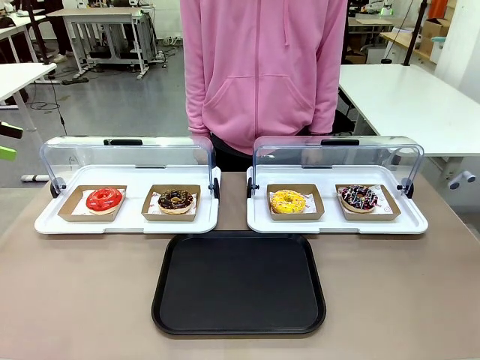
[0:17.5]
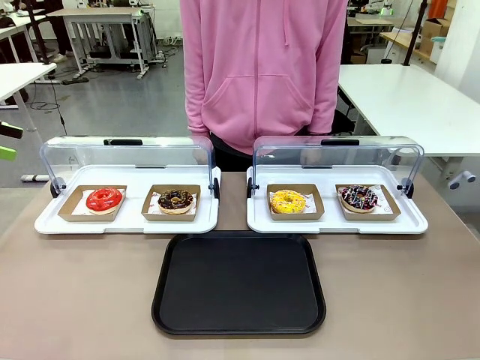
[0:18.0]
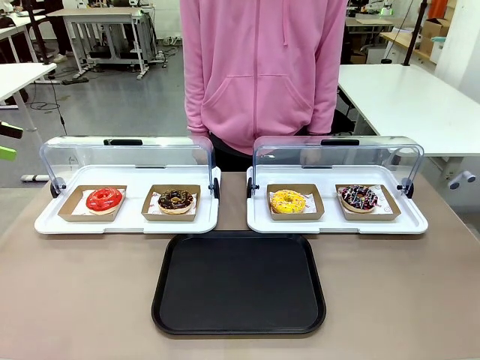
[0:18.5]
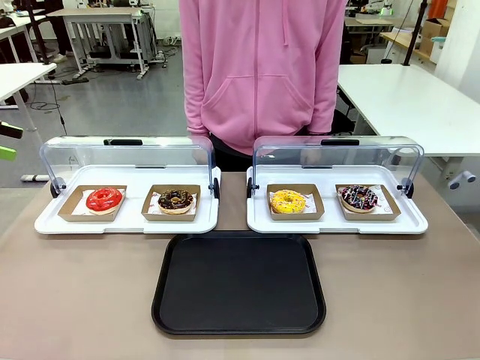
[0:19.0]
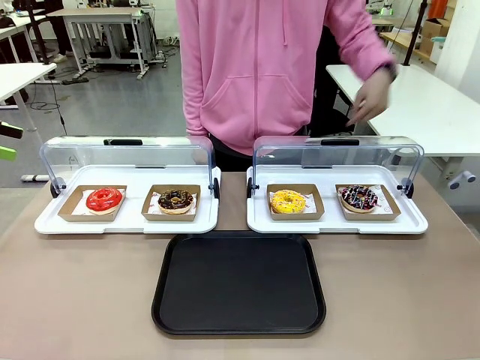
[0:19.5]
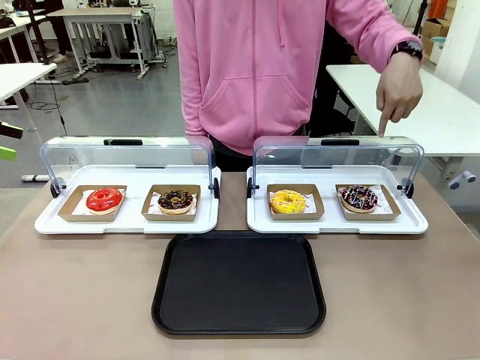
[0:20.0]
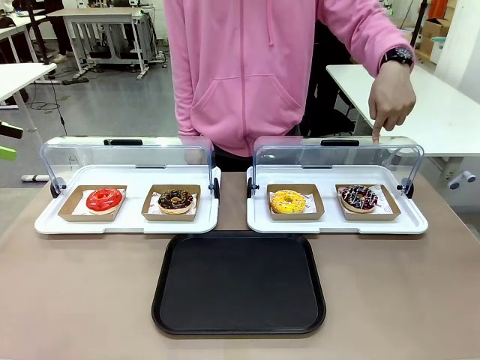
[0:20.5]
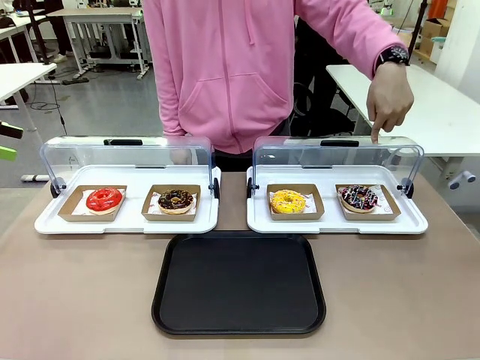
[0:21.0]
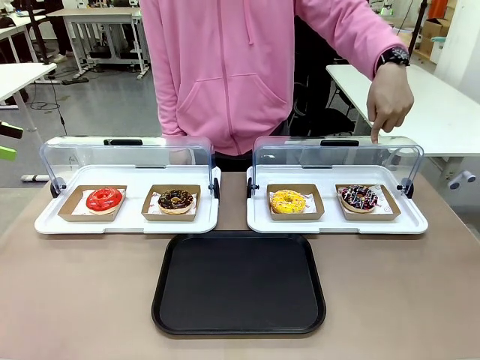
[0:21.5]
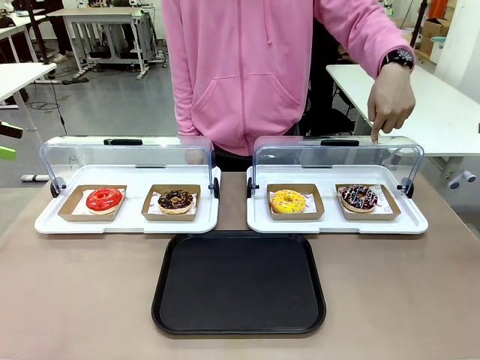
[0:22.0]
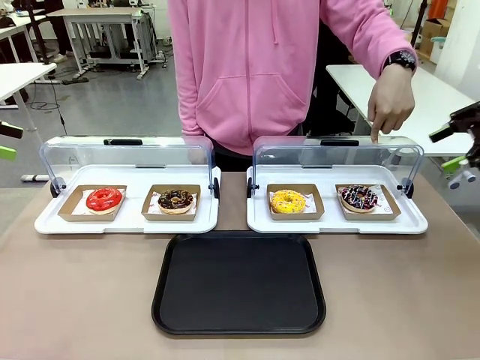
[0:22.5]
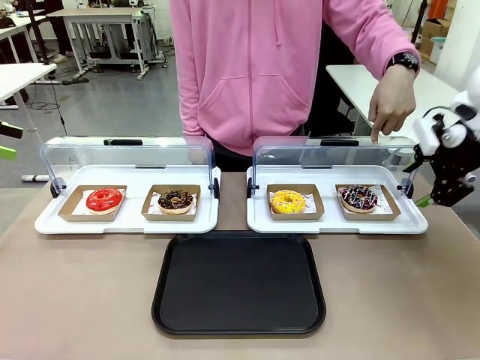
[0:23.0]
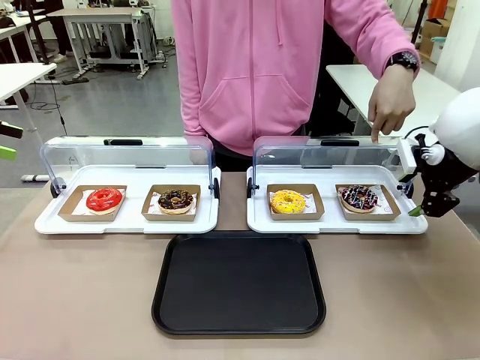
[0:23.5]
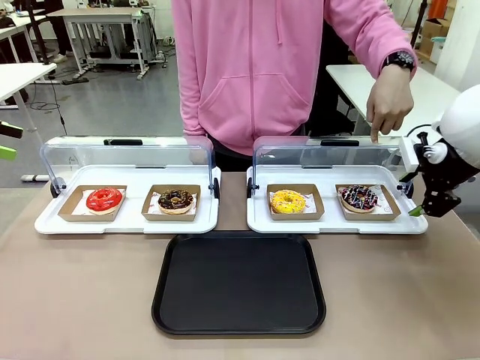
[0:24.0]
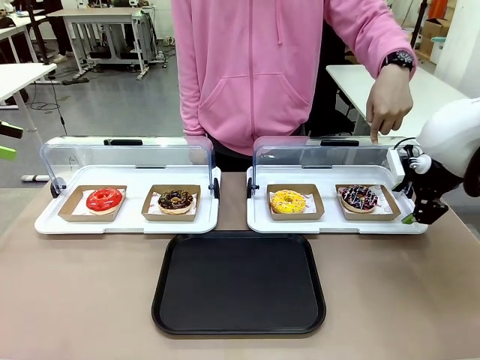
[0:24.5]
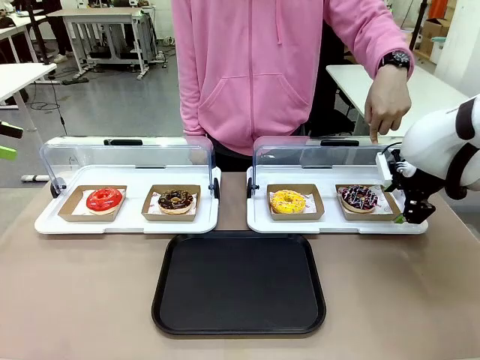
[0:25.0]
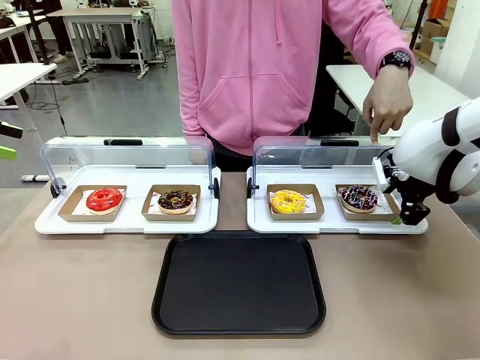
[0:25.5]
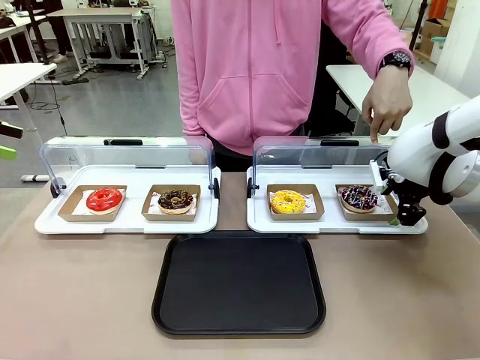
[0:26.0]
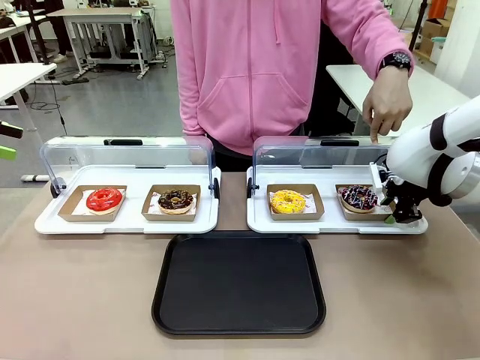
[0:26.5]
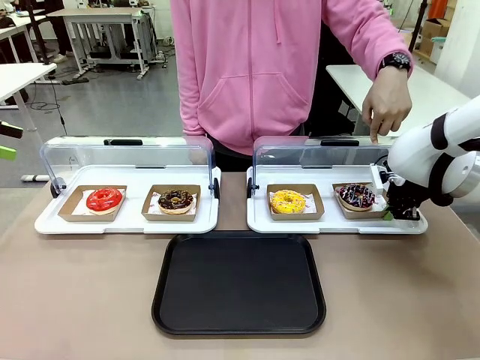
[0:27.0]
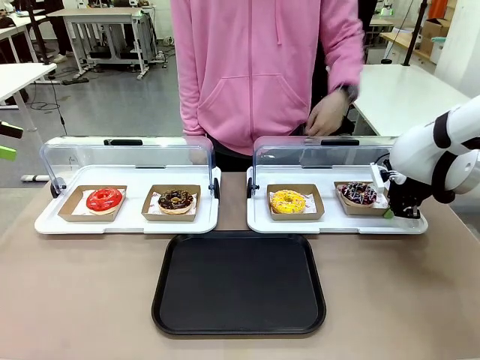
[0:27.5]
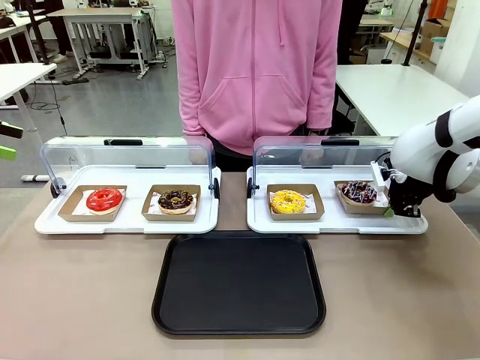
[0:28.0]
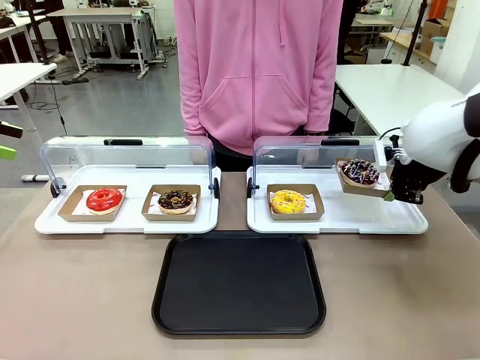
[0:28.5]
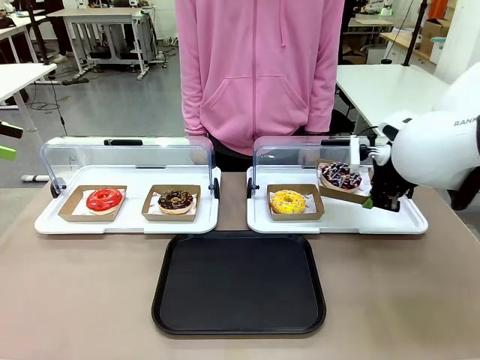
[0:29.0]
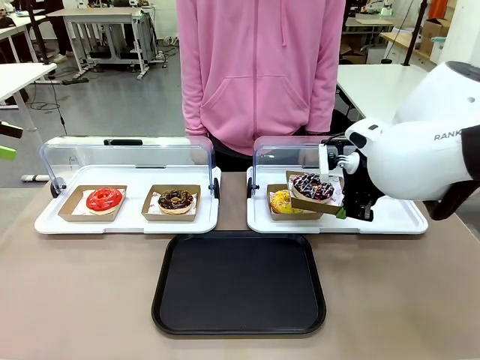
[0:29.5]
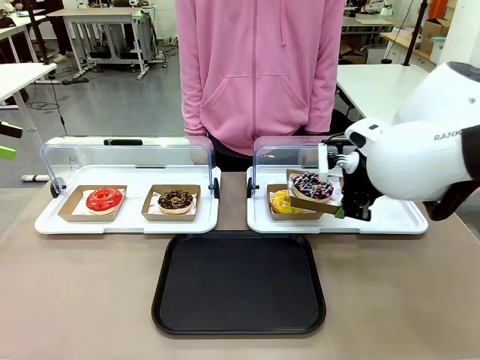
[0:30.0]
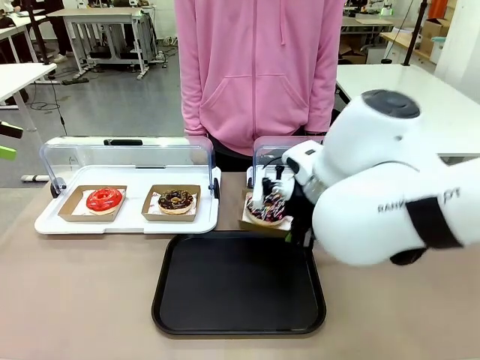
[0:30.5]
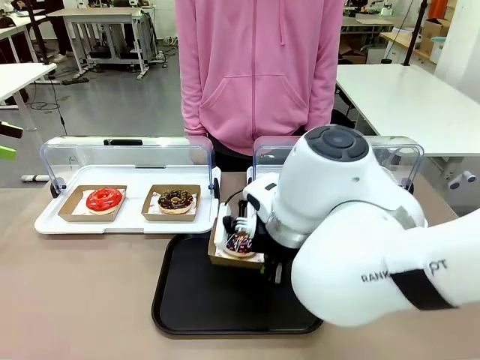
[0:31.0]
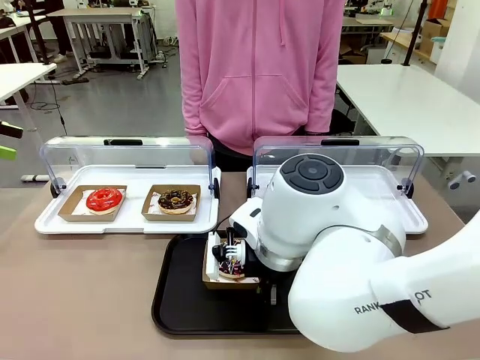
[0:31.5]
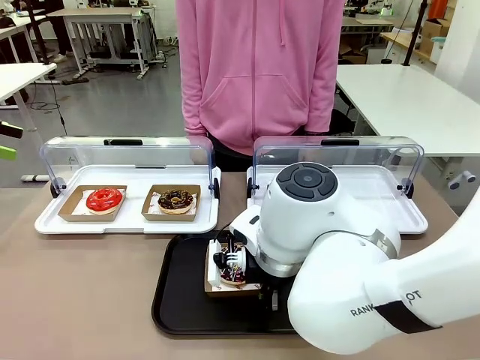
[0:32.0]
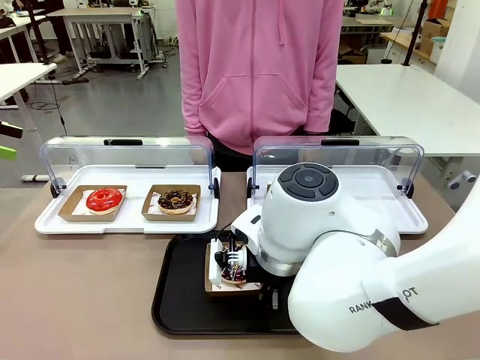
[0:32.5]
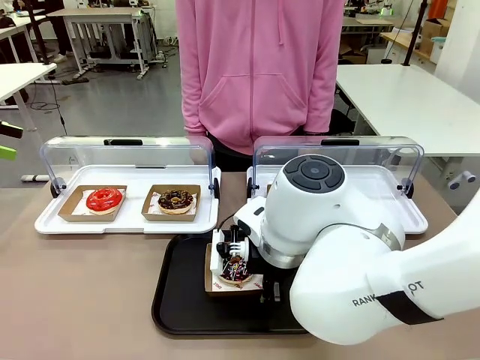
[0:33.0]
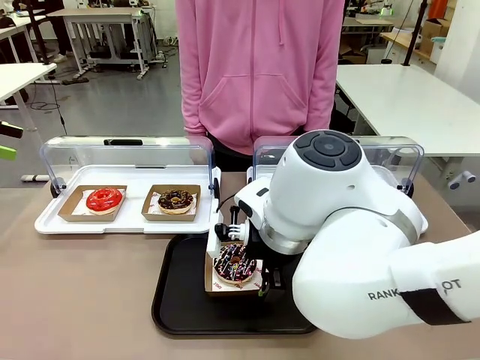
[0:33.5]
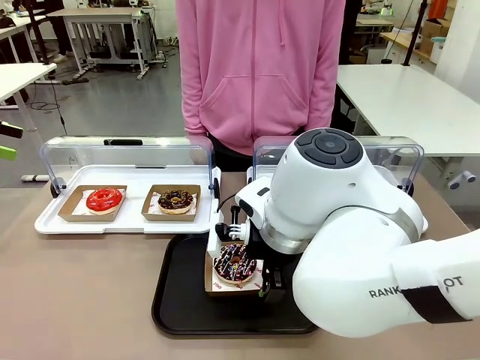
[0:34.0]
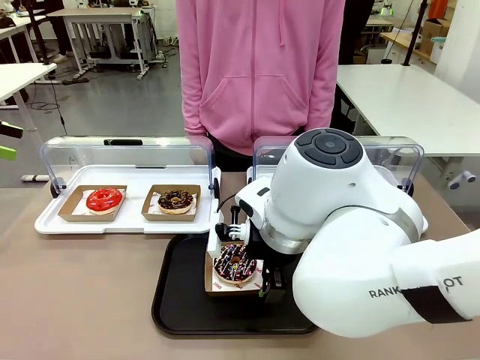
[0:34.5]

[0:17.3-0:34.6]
Task: Move the fourth donut from the left to the tray.
Robot: Pick up the Paper togo box containing the Donut indicated by the person and place it on the Handle tray.

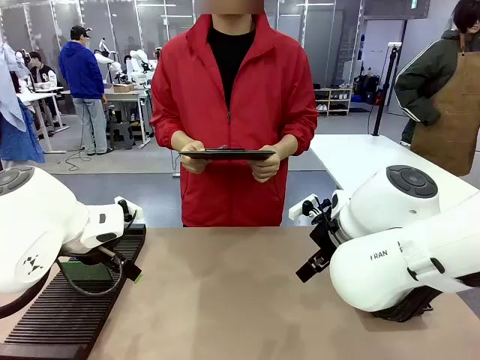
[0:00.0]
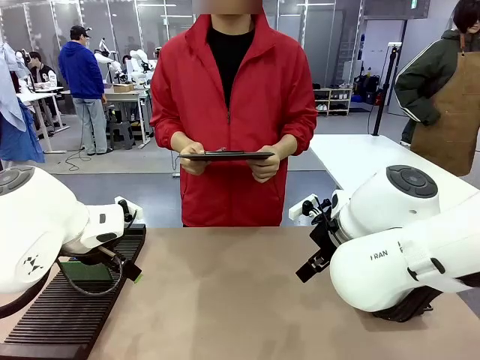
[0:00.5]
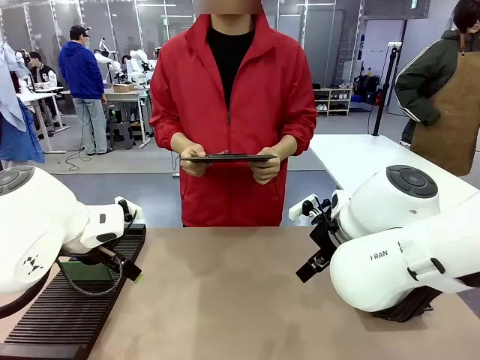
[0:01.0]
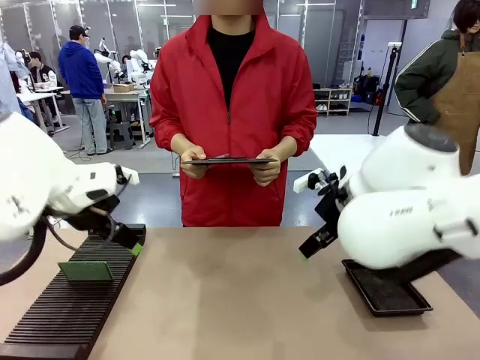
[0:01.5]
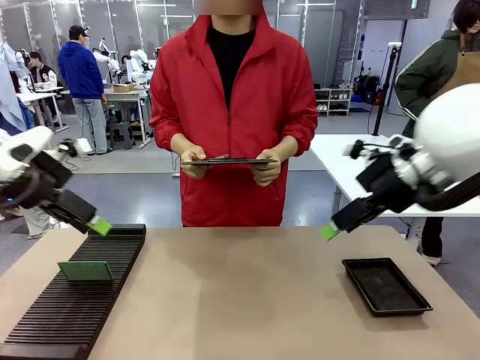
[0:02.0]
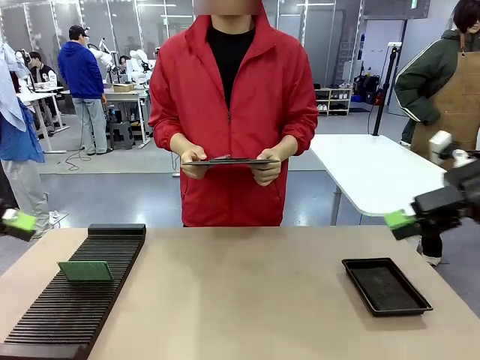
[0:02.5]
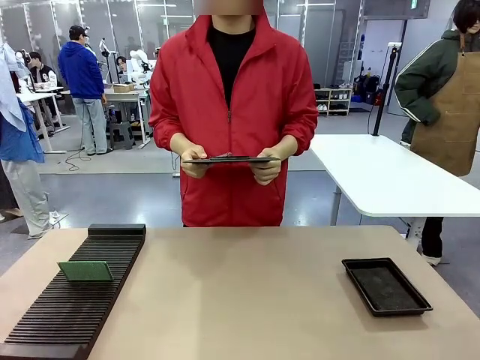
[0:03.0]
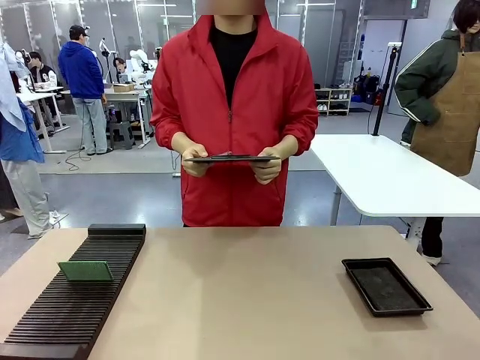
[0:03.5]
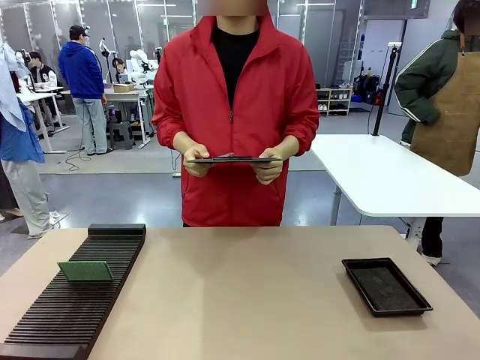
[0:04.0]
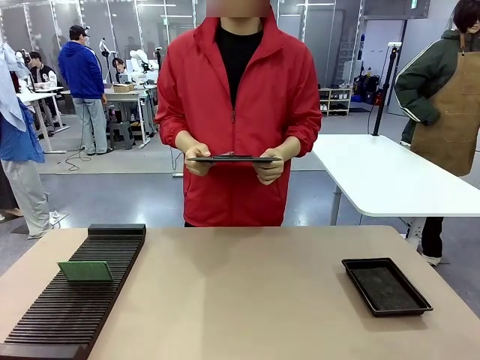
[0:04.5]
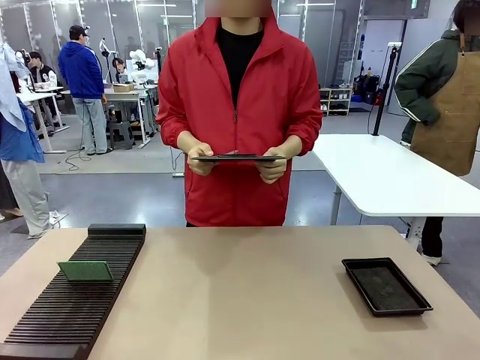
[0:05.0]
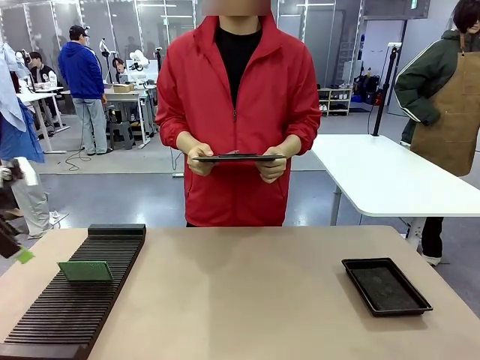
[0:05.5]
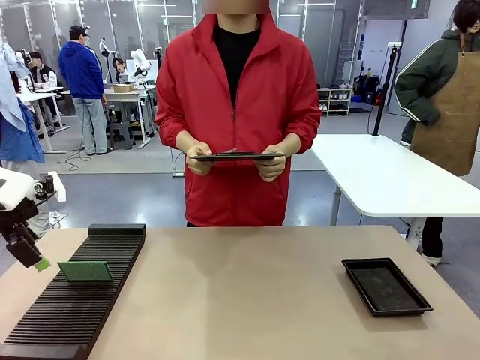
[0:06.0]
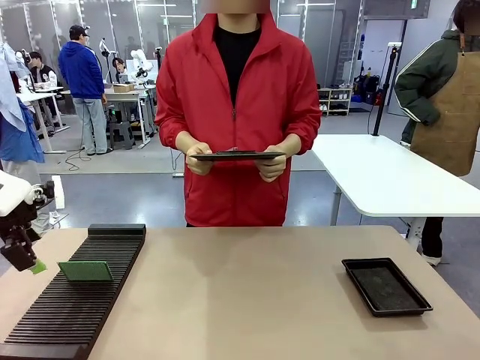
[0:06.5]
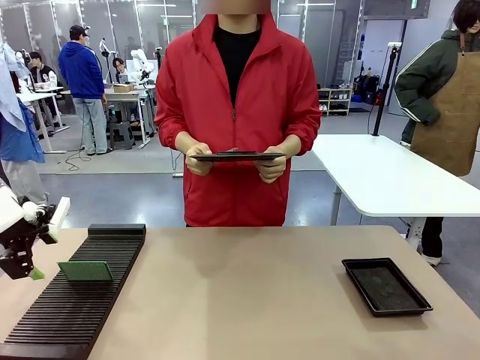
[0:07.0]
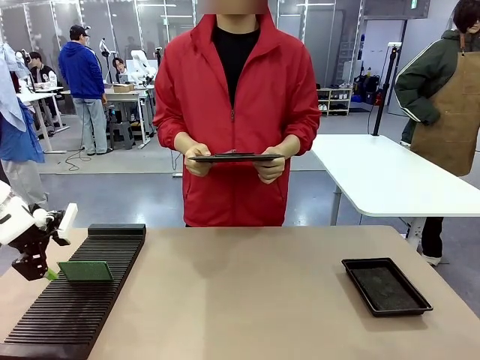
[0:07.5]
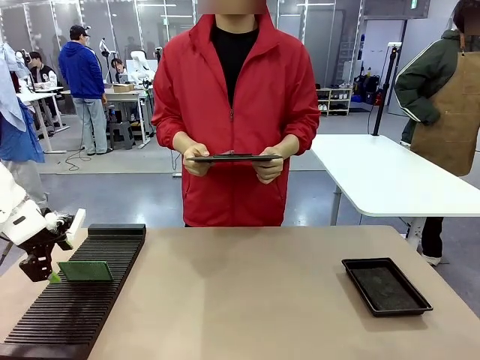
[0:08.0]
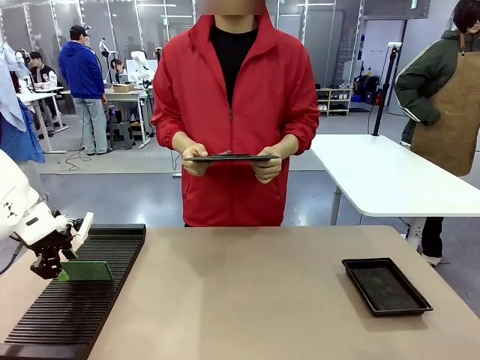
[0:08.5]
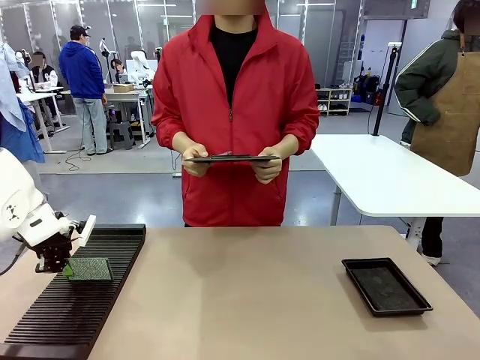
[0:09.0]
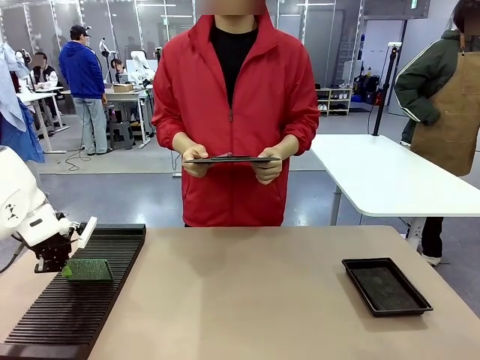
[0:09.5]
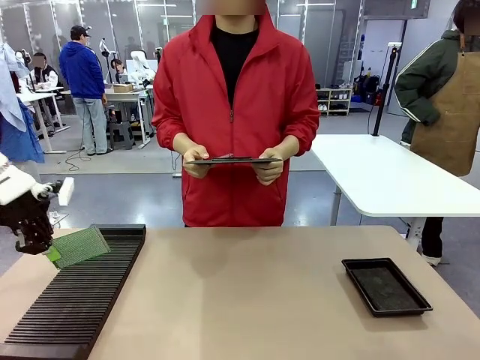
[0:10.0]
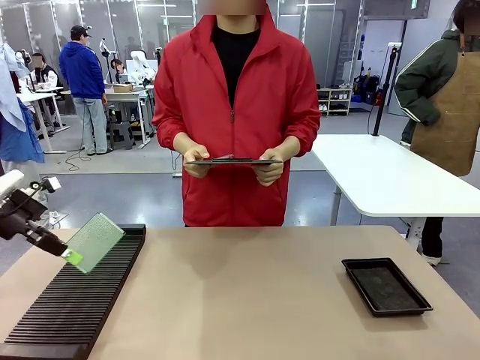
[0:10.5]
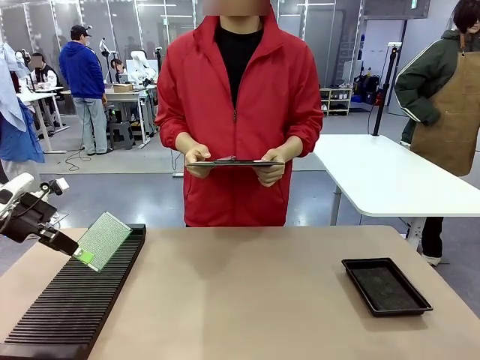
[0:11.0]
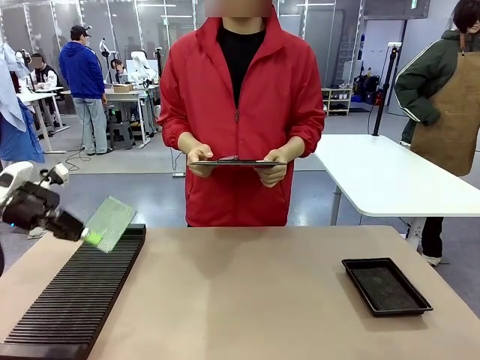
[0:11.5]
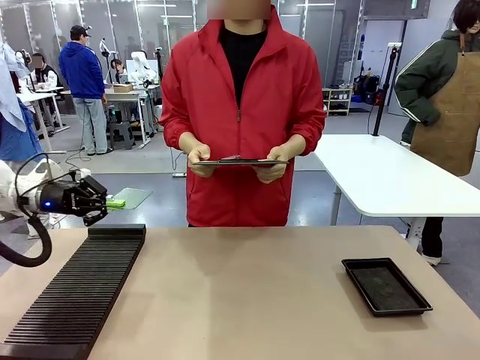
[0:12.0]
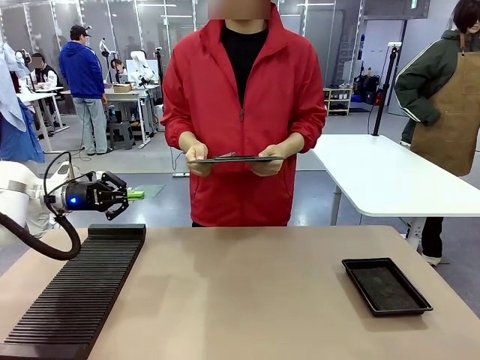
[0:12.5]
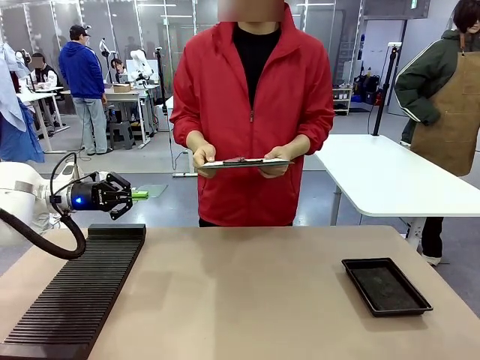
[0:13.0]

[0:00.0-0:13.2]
Task: Inspect the PCB.
Robot: Pick up the Blank PCB and present it to the human.
Person: Pick up the PCB presented by the robot.
